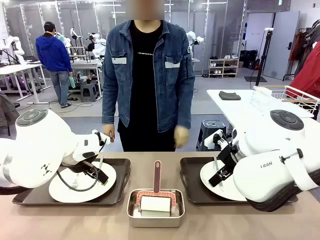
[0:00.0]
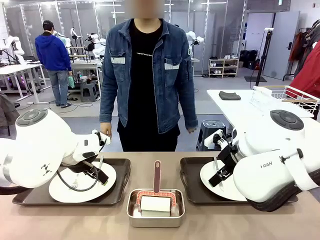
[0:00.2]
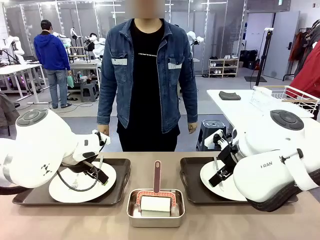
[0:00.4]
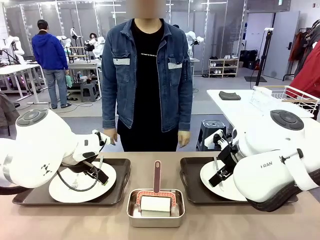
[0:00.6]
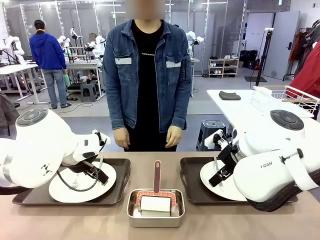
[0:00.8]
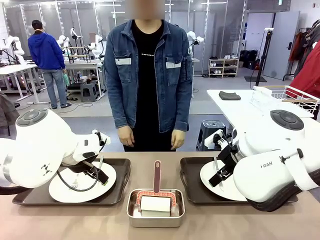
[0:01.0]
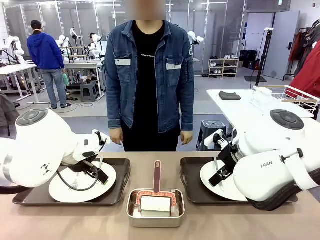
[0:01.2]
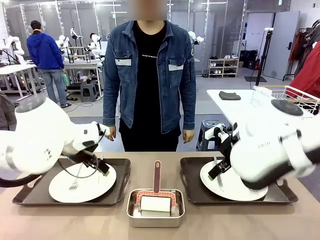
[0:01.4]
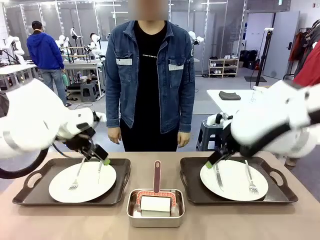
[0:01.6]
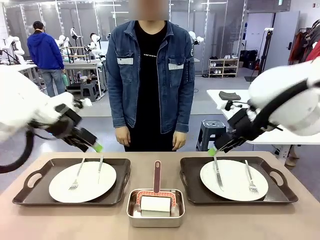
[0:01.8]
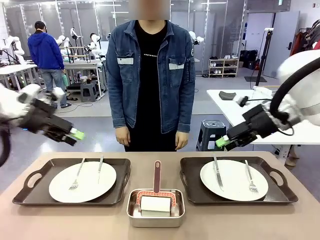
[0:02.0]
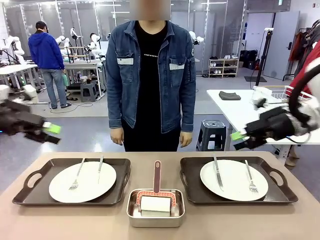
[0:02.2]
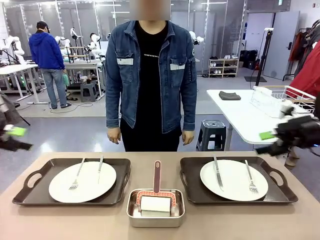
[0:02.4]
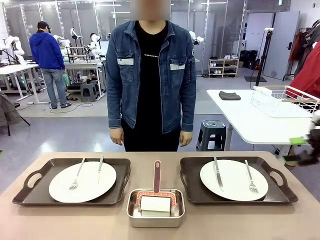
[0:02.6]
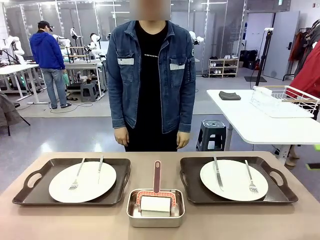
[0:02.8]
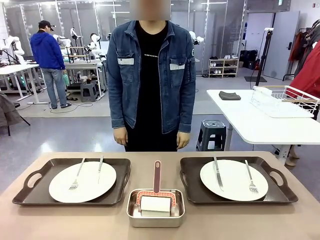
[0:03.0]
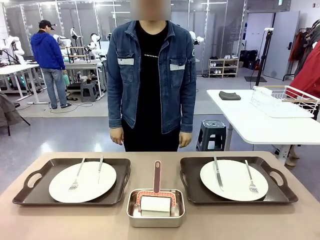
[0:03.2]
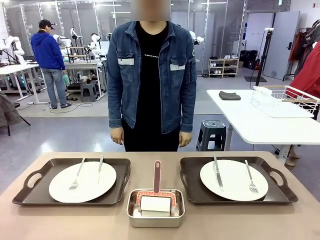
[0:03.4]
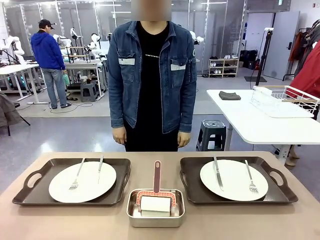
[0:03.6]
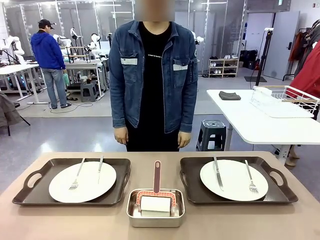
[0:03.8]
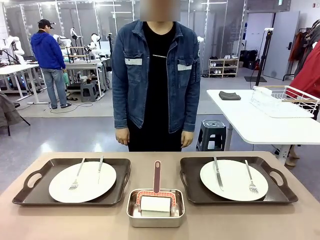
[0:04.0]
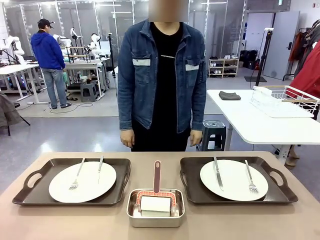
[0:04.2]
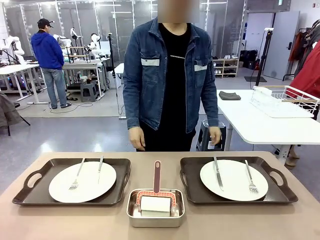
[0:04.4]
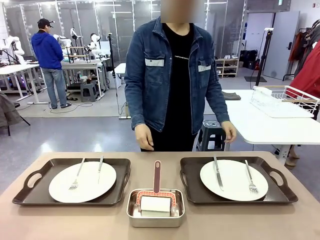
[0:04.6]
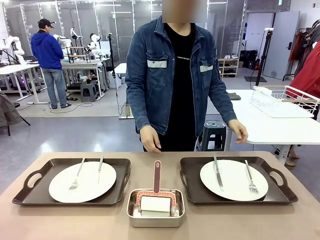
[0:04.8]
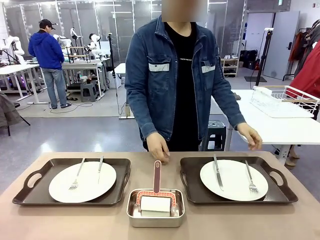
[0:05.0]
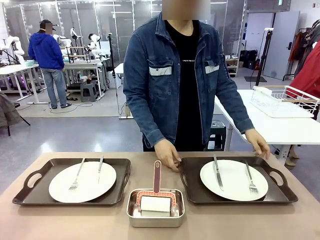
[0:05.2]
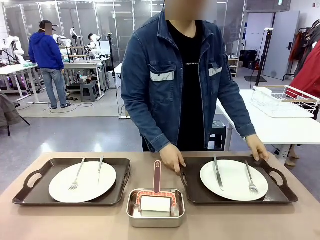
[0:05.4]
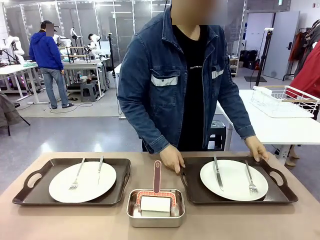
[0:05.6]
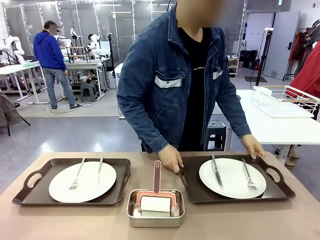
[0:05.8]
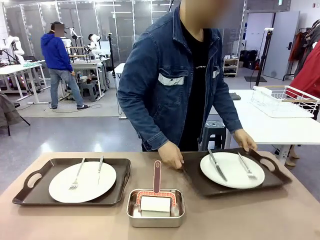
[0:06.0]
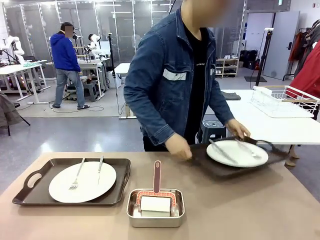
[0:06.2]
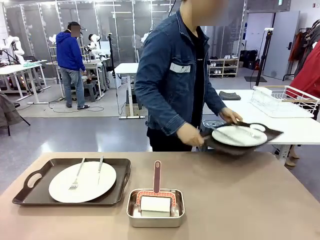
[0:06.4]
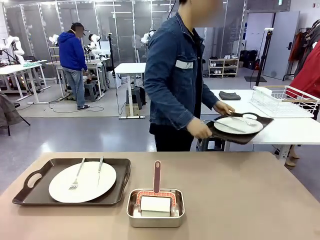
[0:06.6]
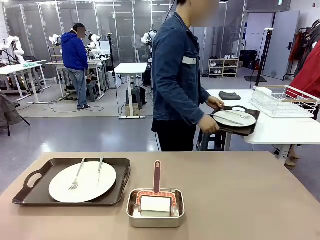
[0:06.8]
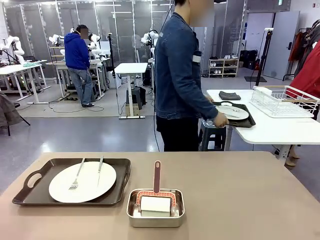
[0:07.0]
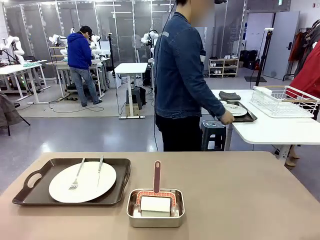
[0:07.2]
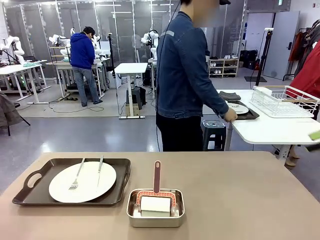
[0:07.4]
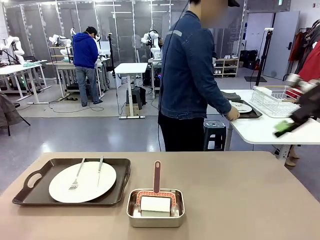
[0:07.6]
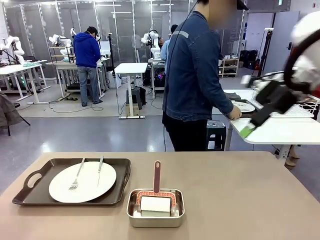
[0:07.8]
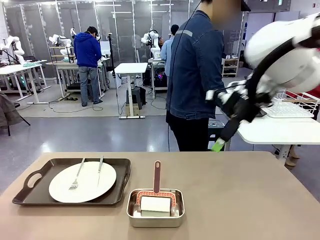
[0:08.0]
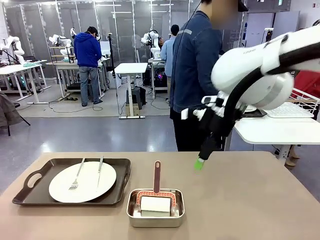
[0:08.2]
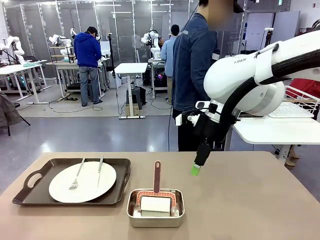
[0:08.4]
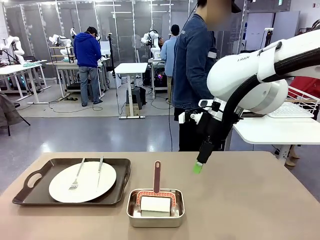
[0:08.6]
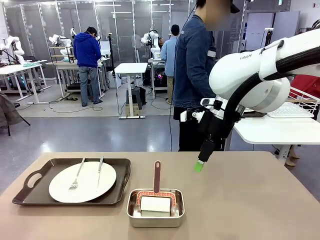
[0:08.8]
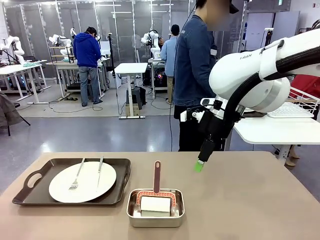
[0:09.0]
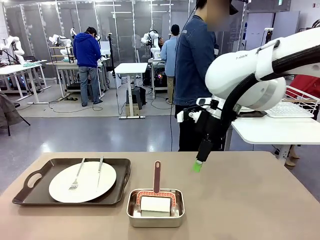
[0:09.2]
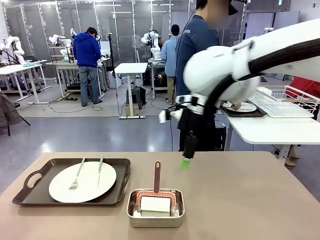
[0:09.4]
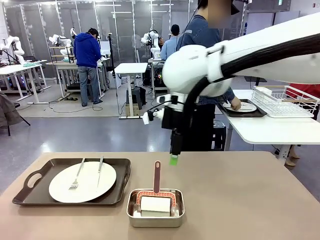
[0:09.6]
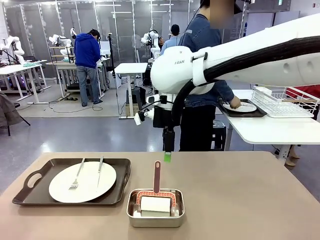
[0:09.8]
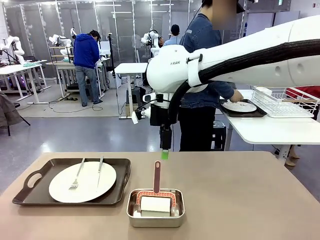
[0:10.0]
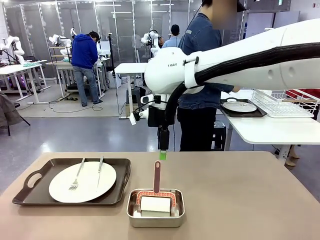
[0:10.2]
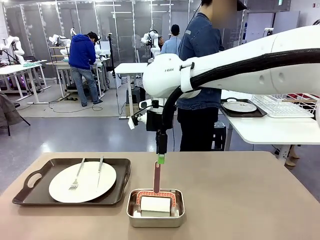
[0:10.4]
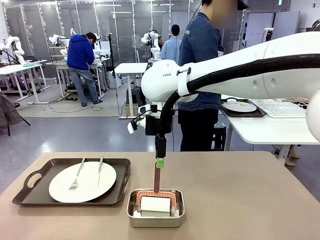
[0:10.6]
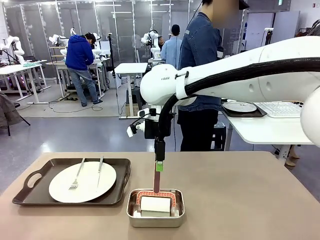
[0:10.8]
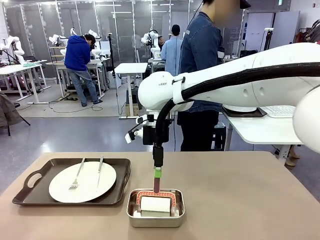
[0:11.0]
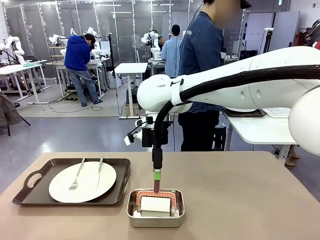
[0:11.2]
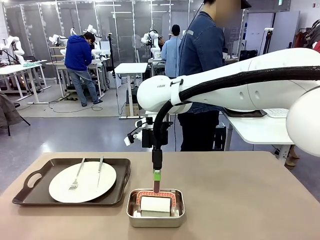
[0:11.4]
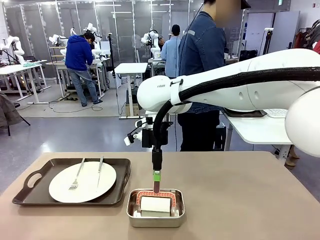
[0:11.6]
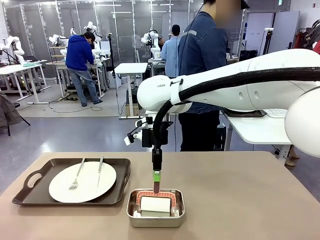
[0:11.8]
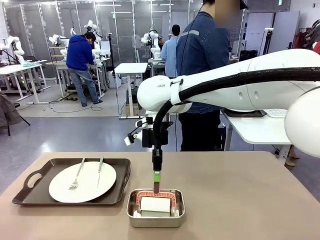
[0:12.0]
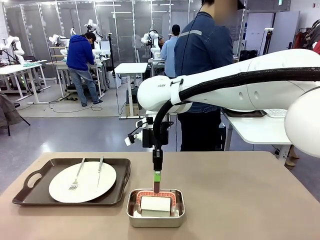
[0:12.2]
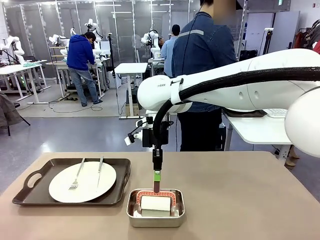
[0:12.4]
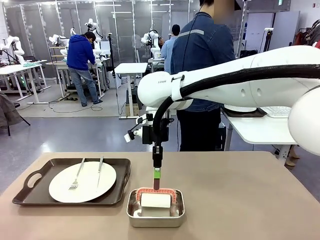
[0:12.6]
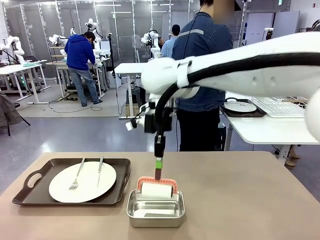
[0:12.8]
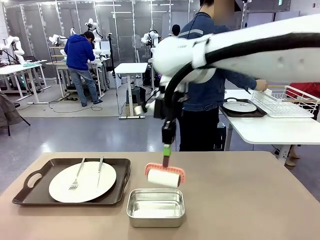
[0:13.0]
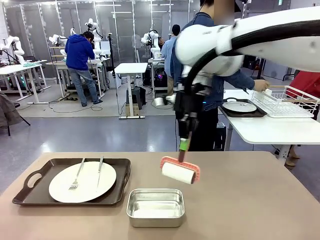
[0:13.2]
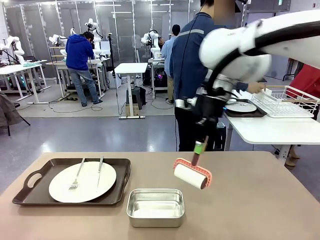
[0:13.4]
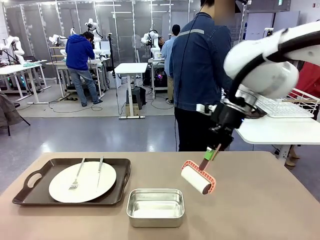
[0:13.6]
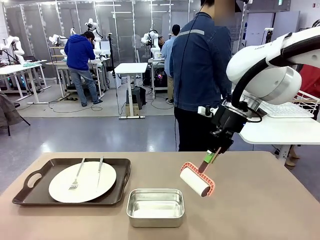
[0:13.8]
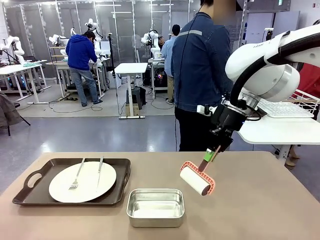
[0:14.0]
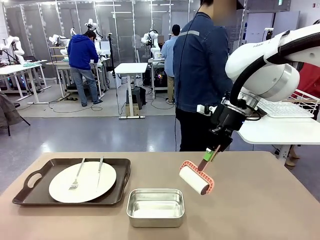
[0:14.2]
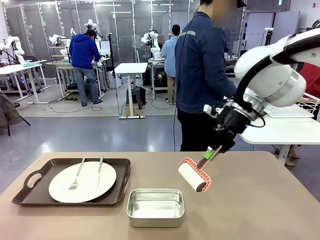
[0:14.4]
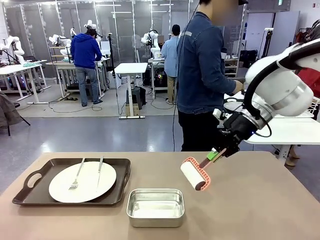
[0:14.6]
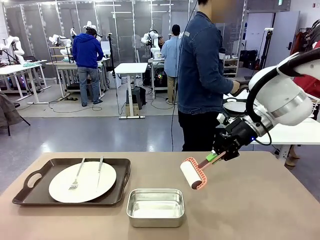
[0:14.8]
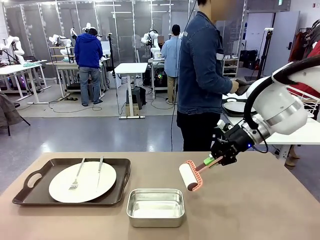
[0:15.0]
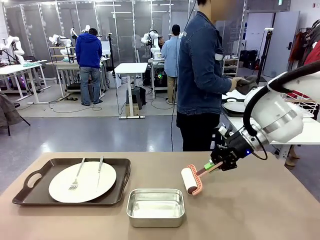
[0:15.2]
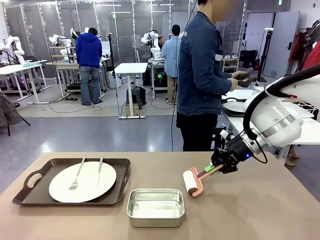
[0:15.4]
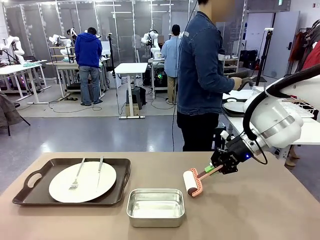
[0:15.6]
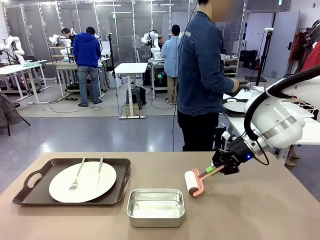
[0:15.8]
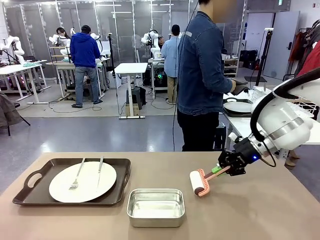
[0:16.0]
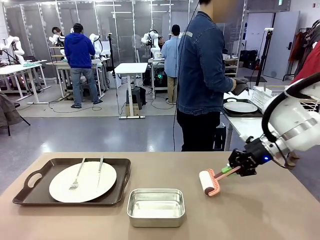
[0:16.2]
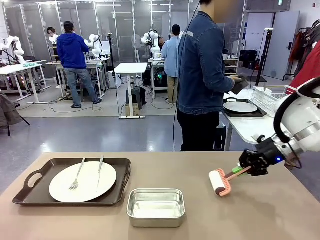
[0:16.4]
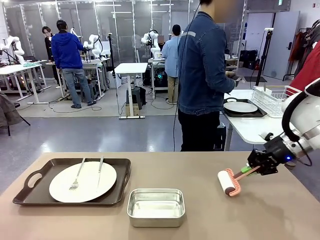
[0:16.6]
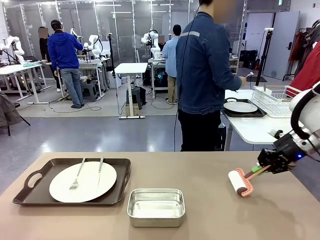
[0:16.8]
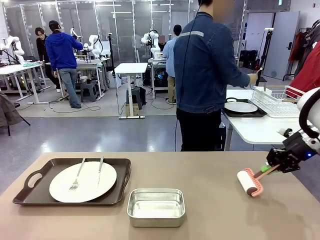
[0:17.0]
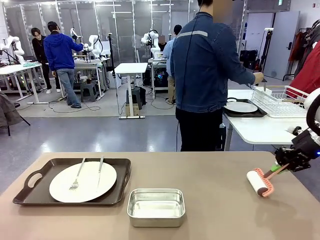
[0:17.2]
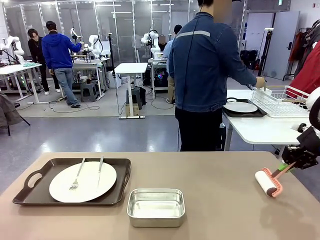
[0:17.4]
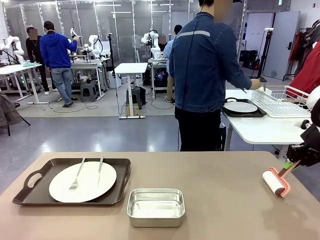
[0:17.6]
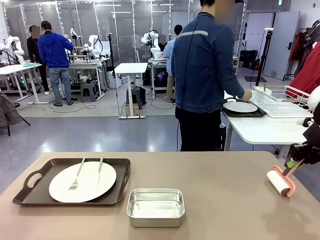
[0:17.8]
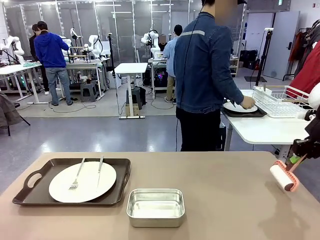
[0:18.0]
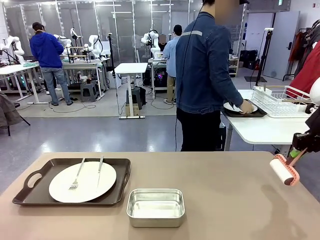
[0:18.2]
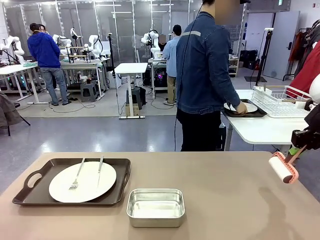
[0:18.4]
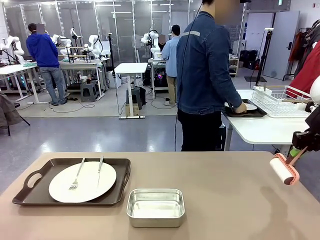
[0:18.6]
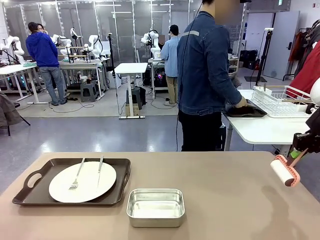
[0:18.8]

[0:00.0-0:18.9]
Robot: When the left (or right) Handle tray is removed, use the left hand (or right hand) to clean the left (or right) side of the table with the Lint Roller.
Person: Pick up the left (or right) Handle tray and place it on the middle of the Human's table. Use the Towel with hook to wipe the Plastic Matte Plate , Fork , and Knife and place into the Dish drying rack.
